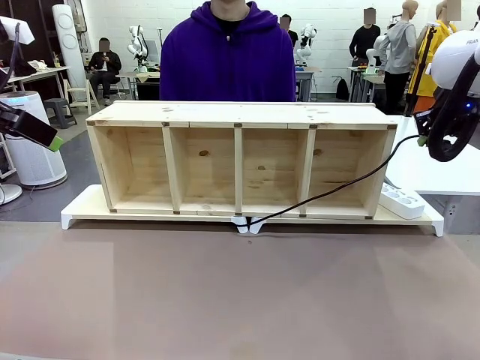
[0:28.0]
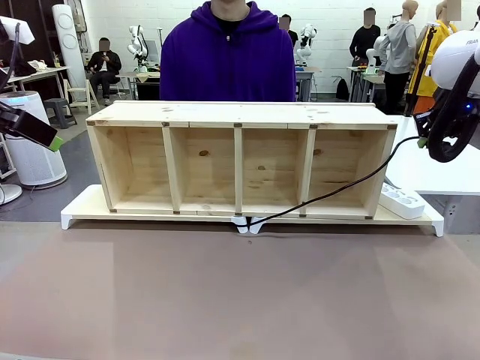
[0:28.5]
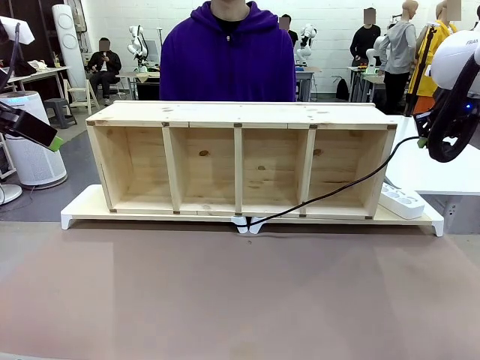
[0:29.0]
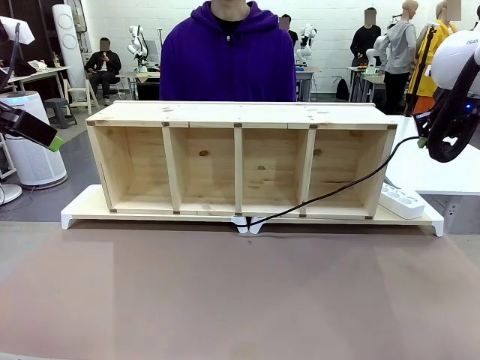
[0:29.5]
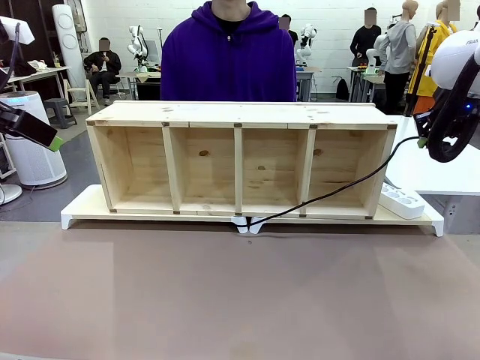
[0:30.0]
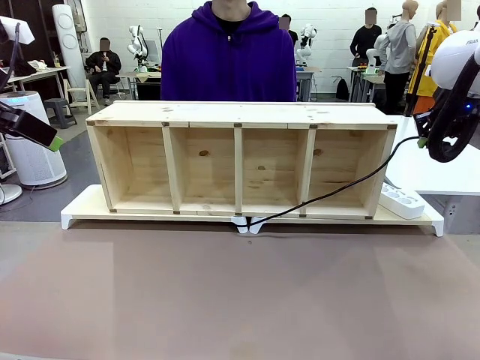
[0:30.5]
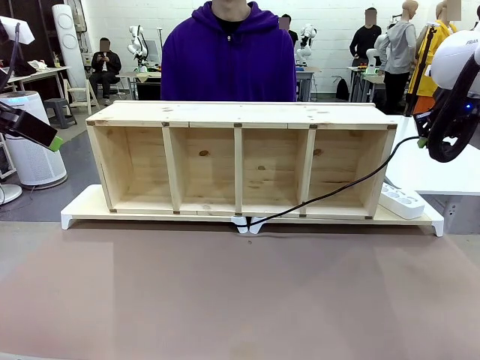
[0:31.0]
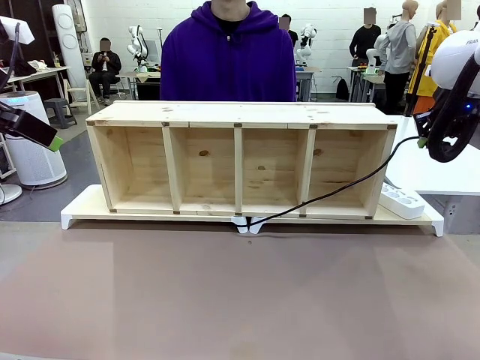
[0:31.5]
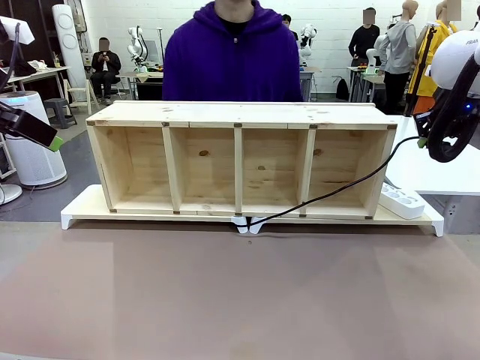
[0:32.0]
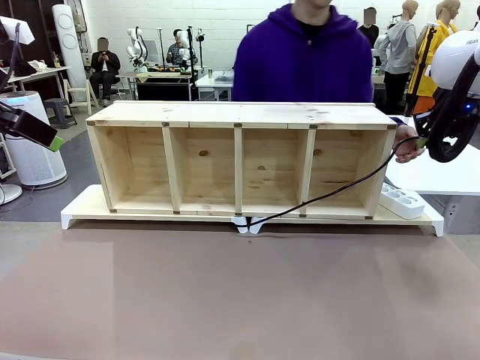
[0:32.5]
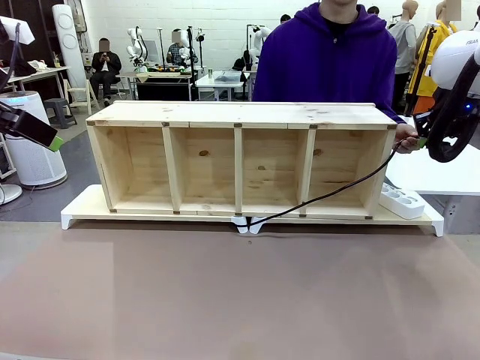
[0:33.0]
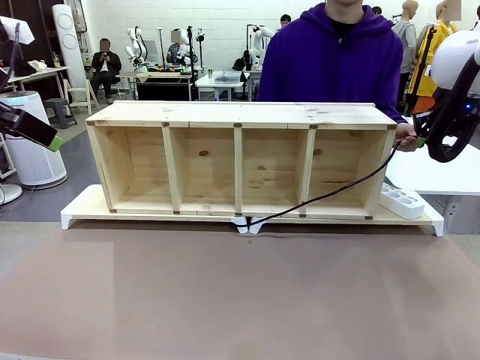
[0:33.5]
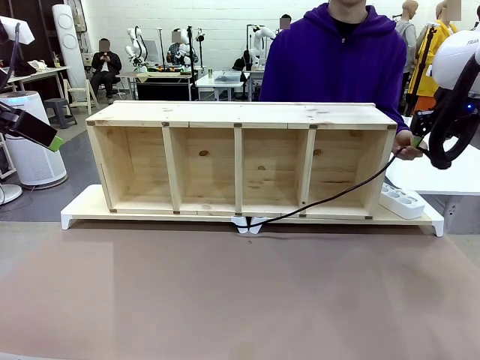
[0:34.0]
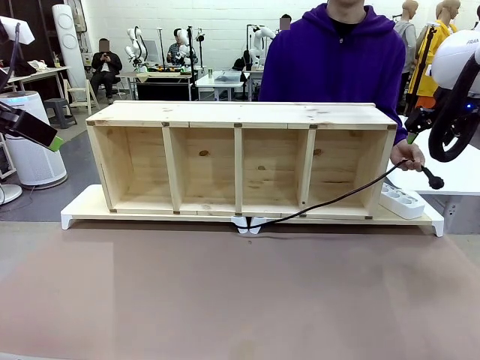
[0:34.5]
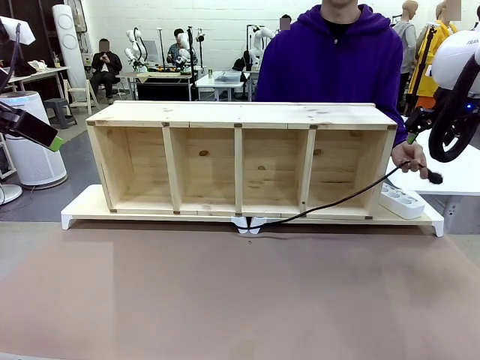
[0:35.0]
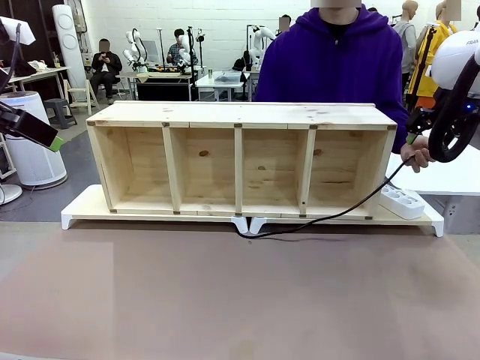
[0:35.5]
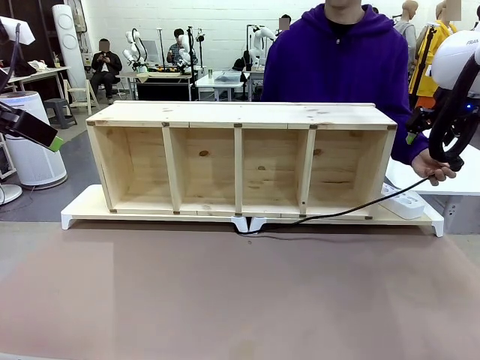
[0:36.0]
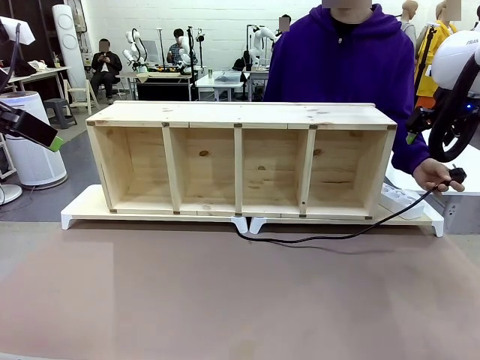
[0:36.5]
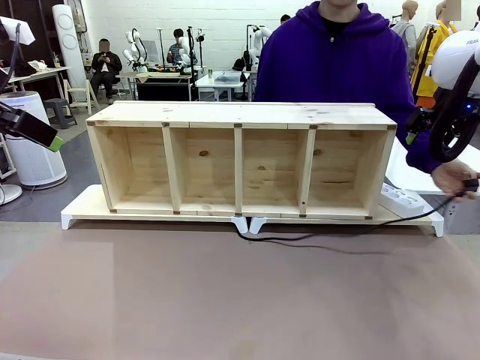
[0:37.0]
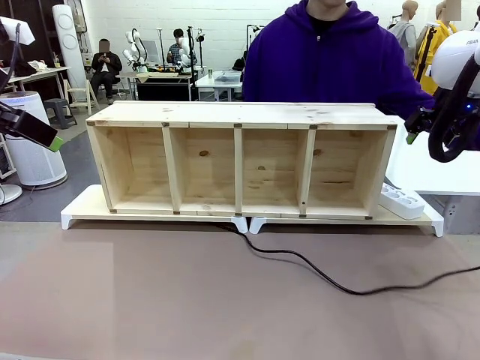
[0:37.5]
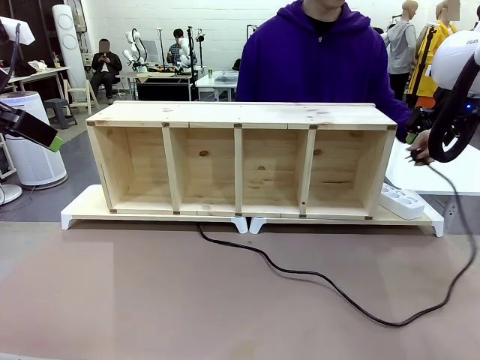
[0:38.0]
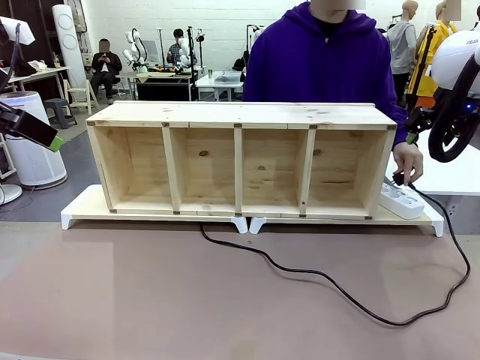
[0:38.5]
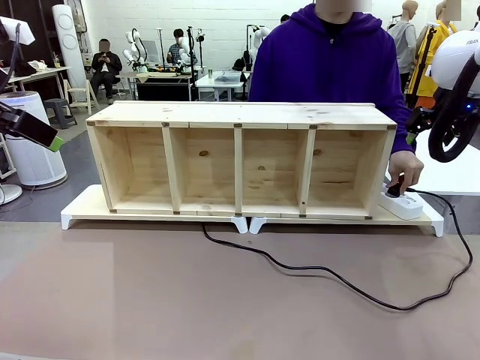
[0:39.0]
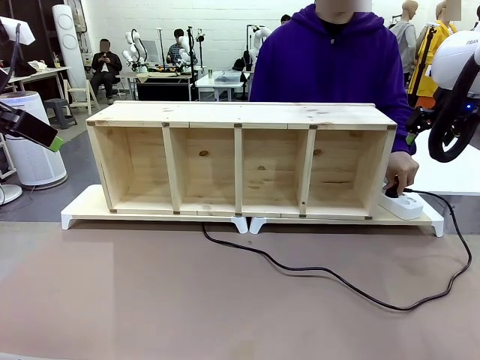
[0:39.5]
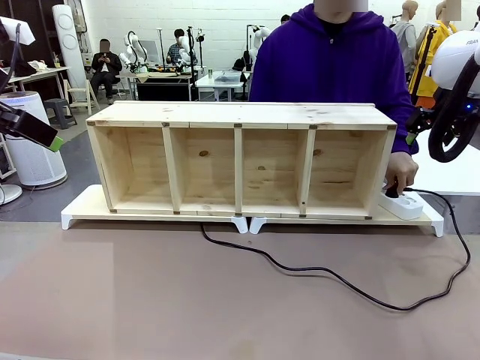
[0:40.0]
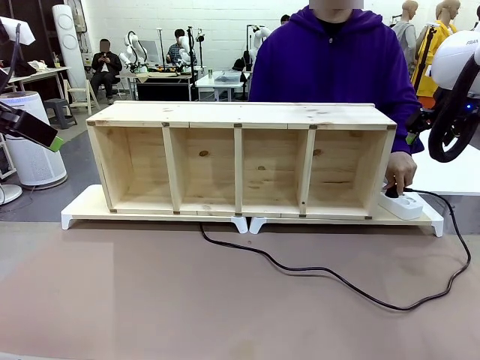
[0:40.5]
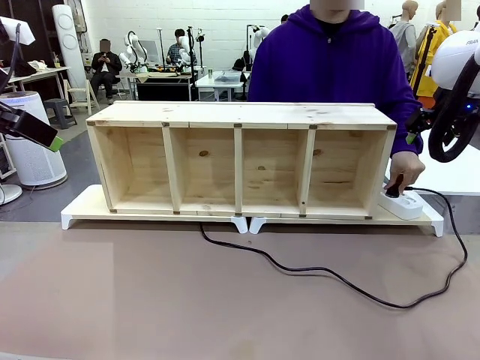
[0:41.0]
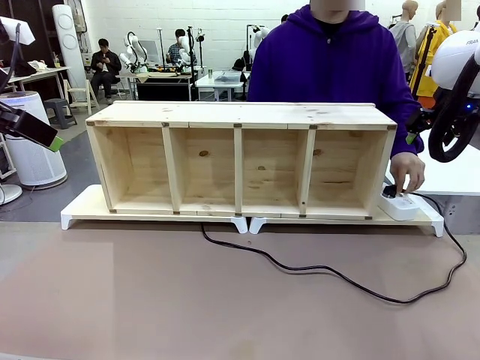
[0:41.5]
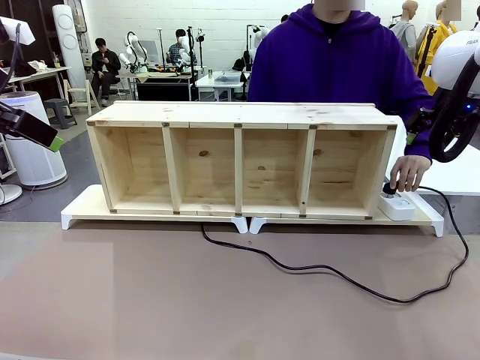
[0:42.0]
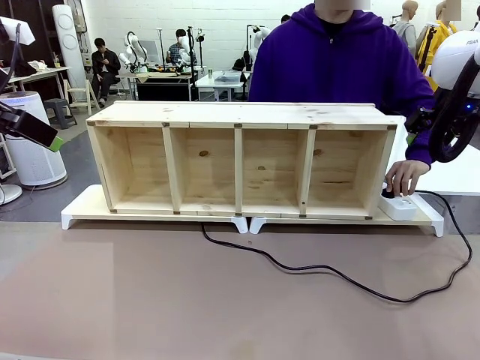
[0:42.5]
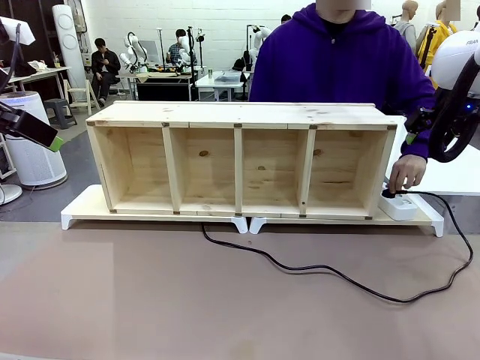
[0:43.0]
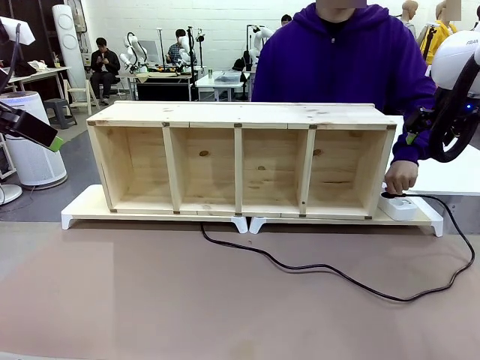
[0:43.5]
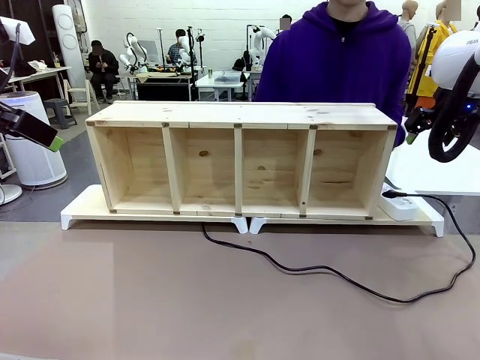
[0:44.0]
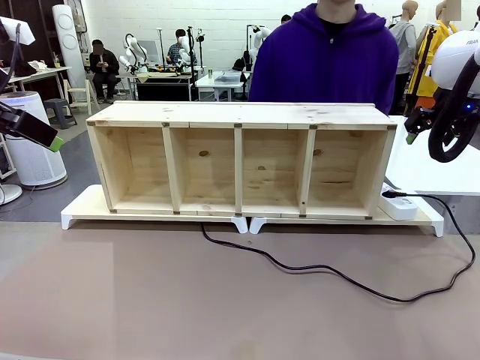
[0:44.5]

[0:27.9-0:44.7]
Task: Perform cable management.
Robot: Release the Power Cable when the human grasps it.
Person: Plug the Power Cable into the Power Strip.

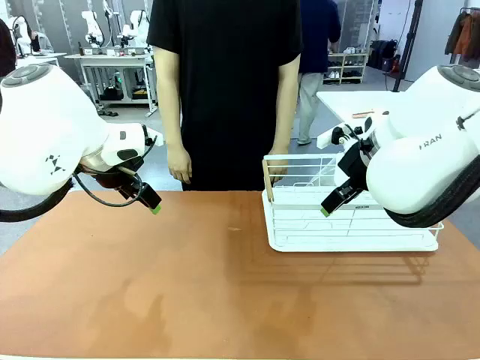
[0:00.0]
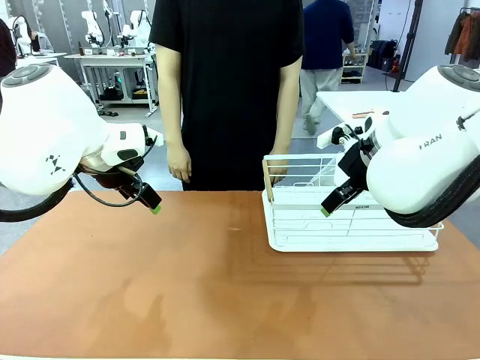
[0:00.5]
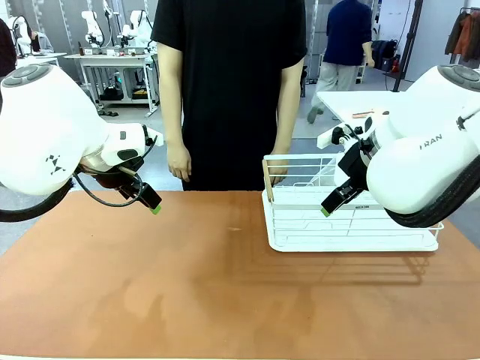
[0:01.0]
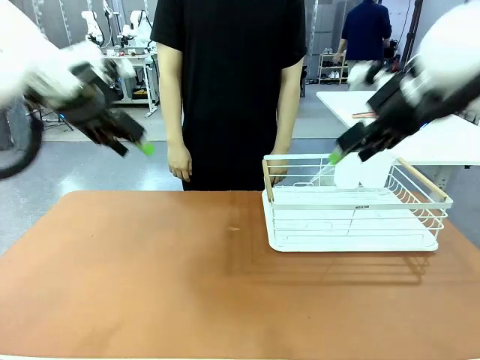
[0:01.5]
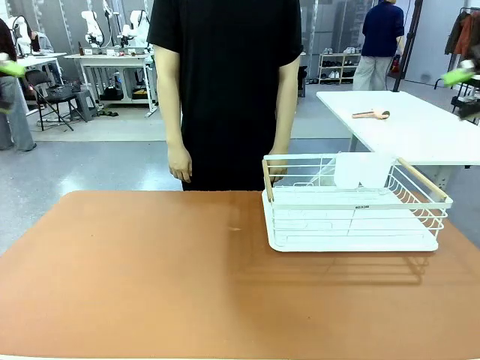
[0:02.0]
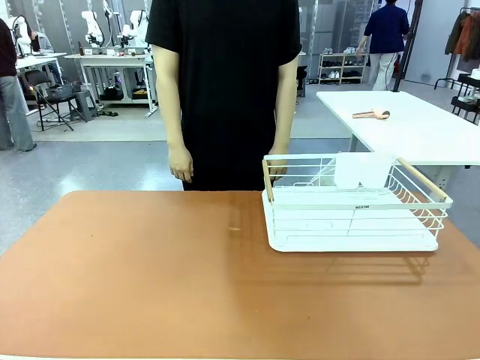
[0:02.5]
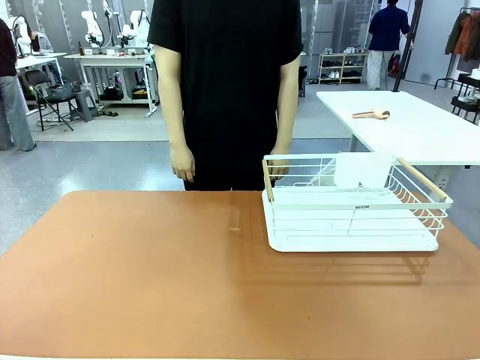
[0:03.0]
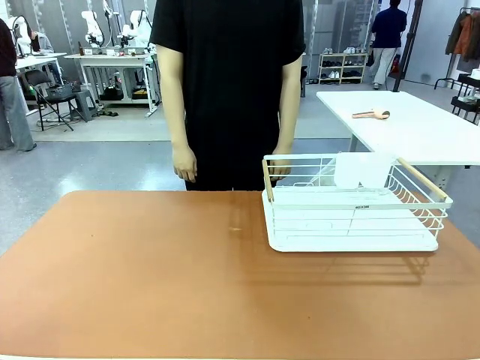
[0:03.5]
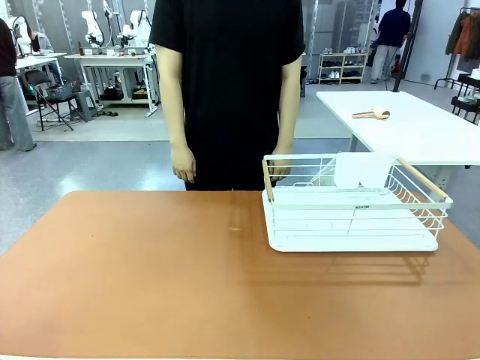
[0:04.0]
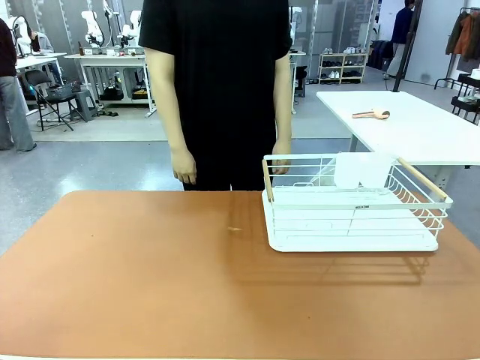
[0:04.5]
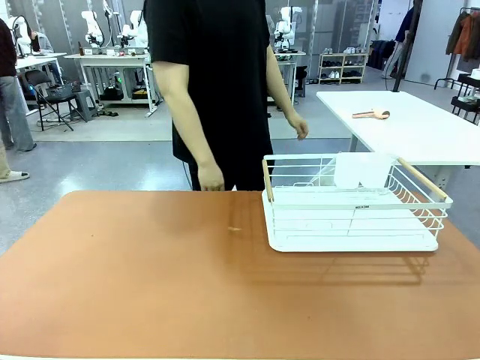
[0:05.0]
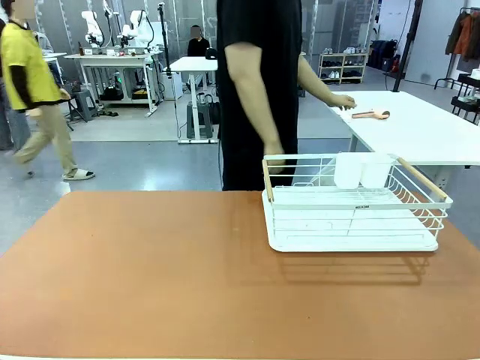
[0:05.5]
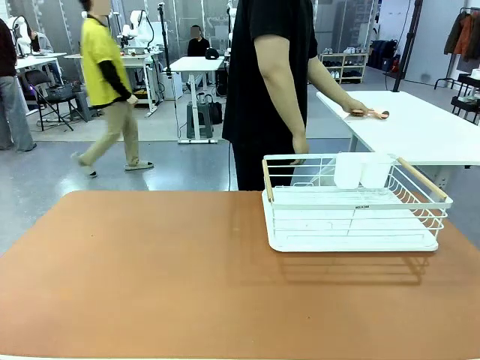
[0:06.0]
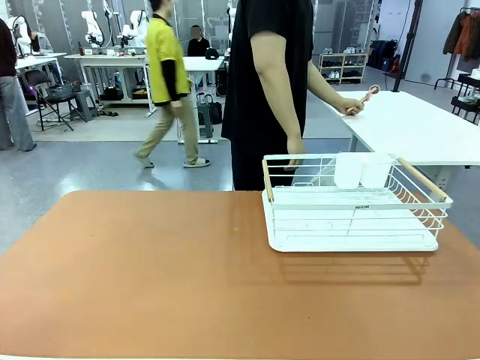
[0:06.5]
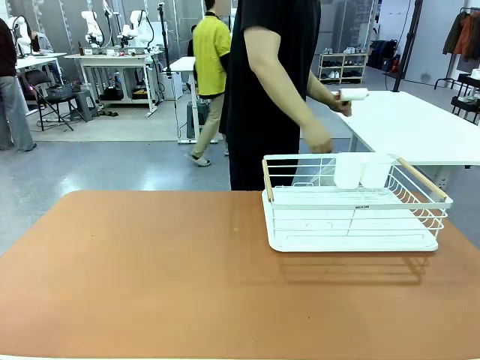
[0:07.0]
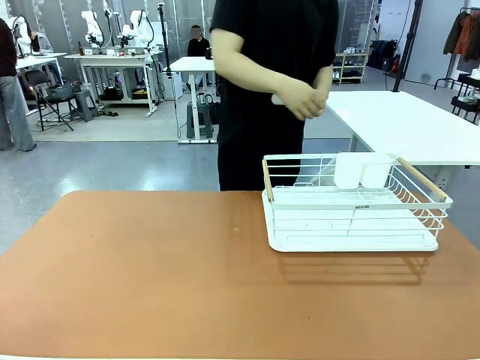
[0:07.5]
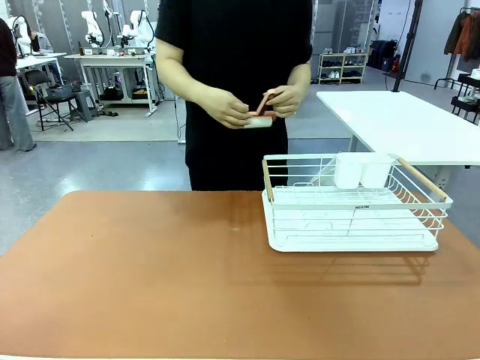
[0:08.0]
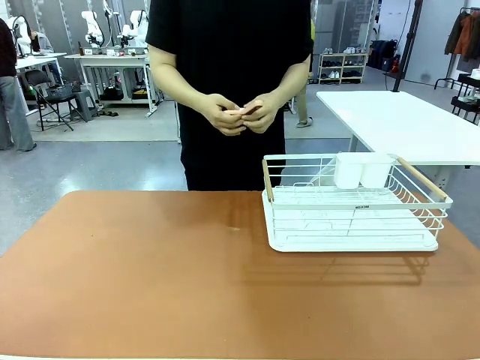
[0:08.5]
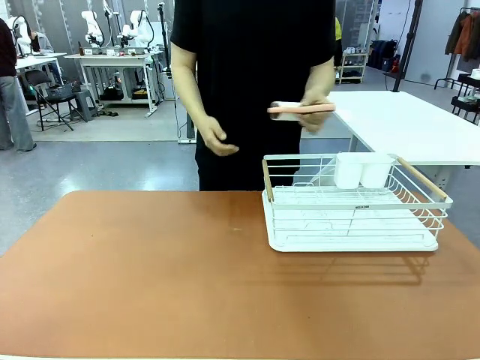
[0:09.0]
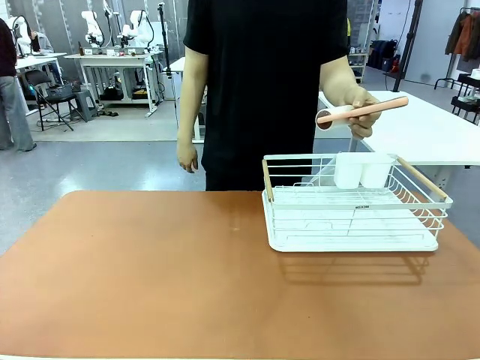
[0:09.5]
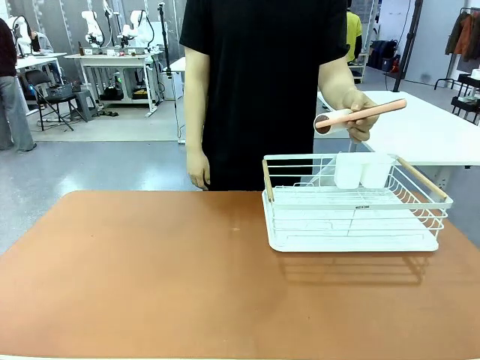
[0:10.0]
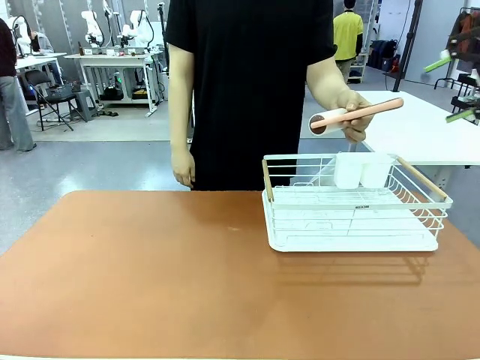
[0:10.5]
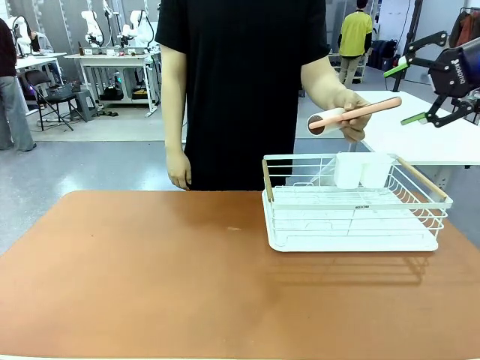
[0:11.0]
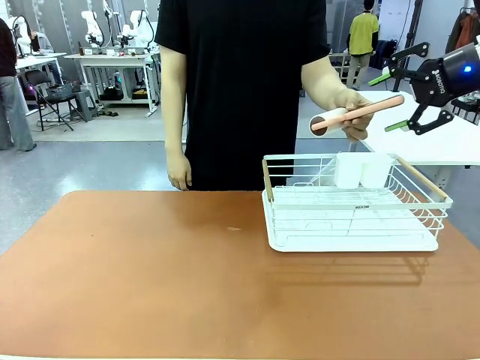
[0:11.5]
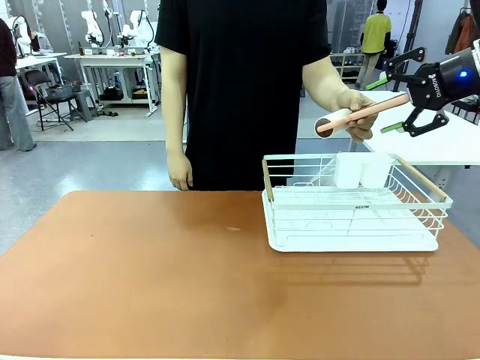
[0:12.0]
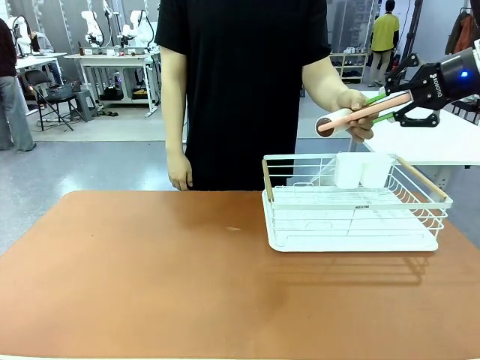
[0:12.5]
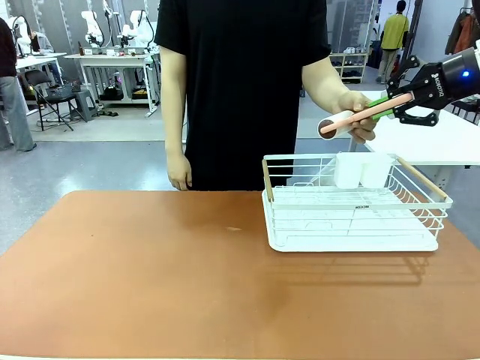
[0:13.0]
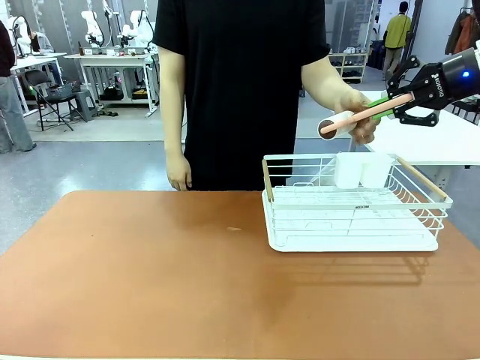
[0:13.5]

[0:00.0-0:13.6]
Task: Clean the table.
Robot: Pick up the Lint Roller when the human hands it over.
Person: Hand the Lint Roller to the robot so it can easily pick it up. Lift the Dish drying rack.
